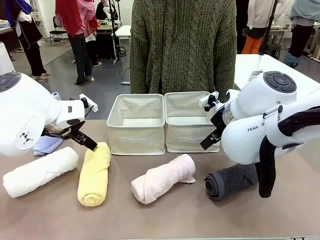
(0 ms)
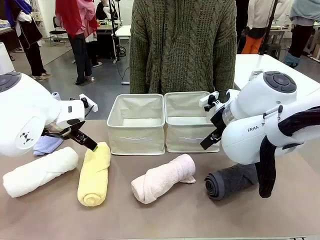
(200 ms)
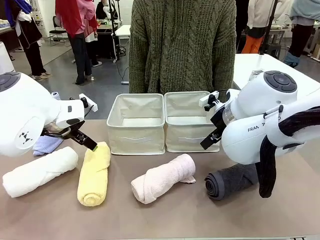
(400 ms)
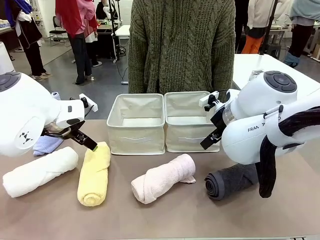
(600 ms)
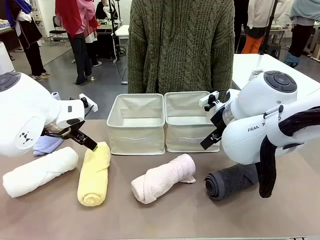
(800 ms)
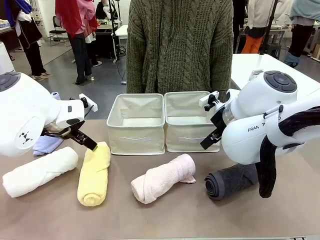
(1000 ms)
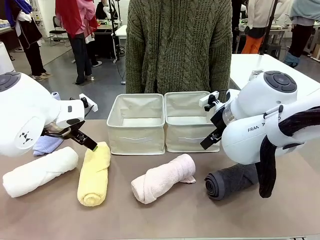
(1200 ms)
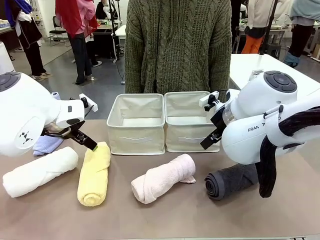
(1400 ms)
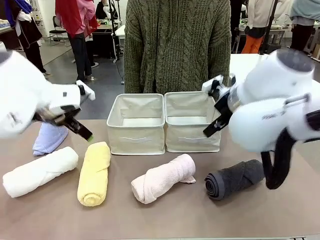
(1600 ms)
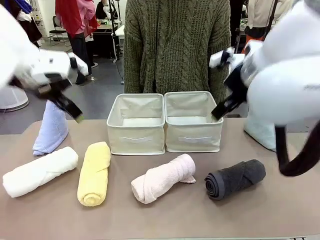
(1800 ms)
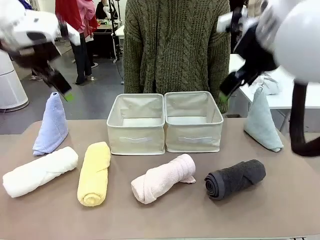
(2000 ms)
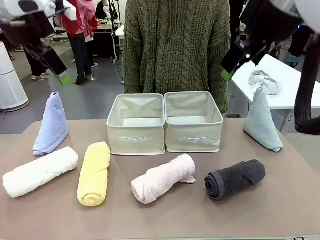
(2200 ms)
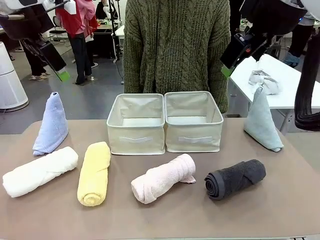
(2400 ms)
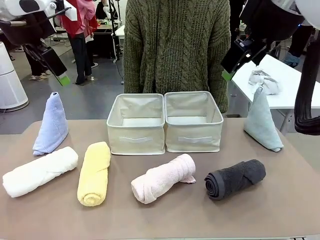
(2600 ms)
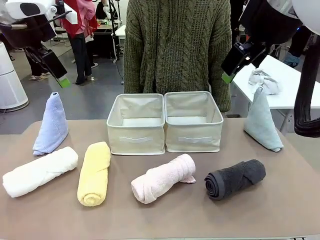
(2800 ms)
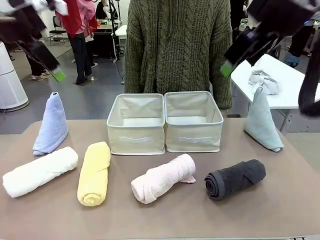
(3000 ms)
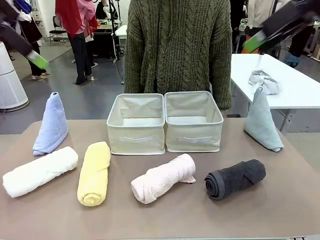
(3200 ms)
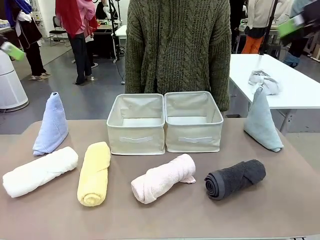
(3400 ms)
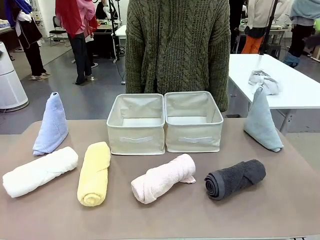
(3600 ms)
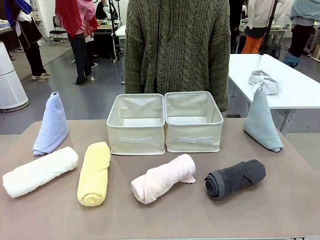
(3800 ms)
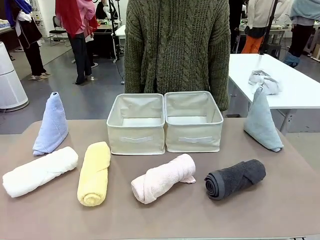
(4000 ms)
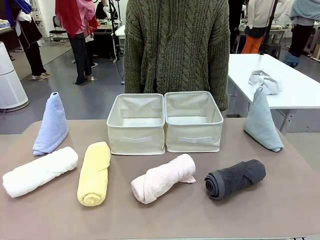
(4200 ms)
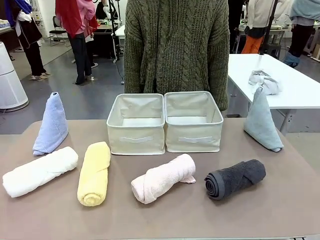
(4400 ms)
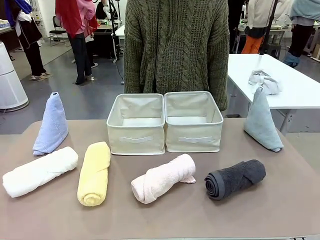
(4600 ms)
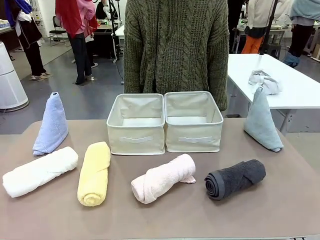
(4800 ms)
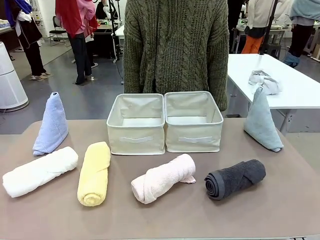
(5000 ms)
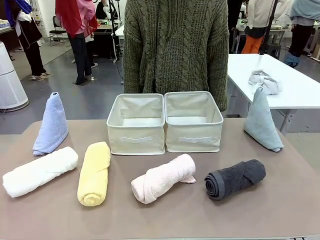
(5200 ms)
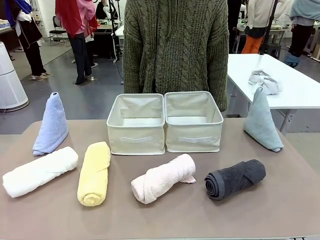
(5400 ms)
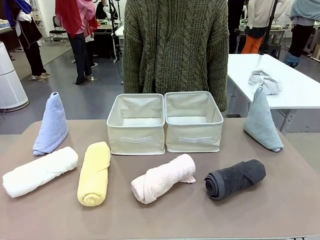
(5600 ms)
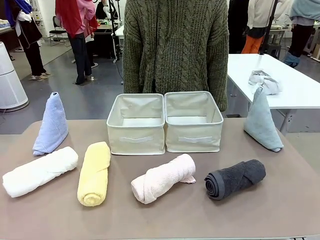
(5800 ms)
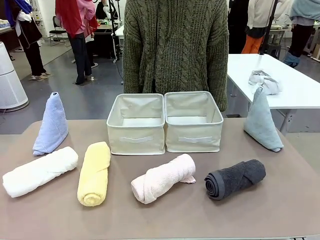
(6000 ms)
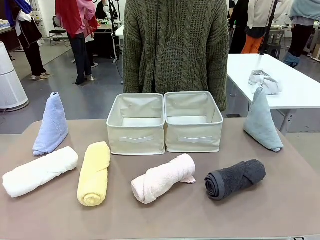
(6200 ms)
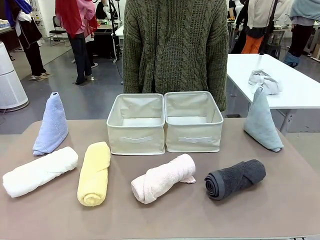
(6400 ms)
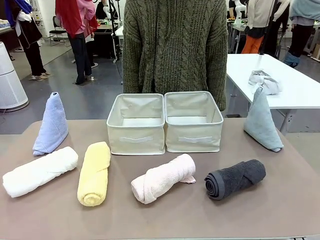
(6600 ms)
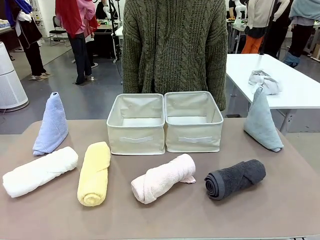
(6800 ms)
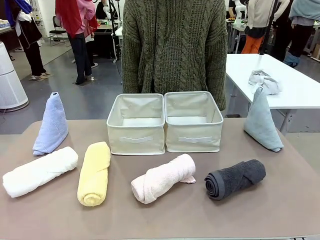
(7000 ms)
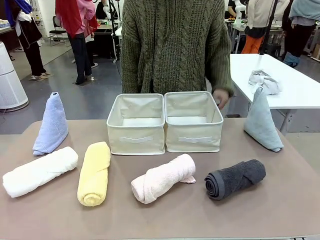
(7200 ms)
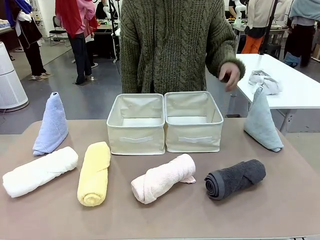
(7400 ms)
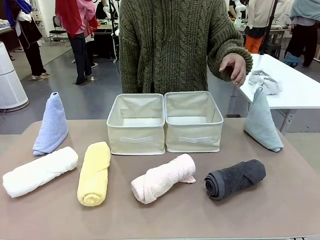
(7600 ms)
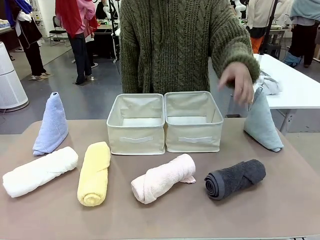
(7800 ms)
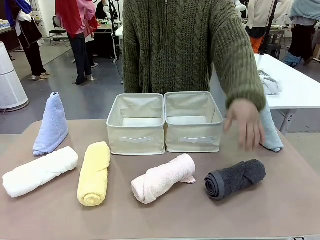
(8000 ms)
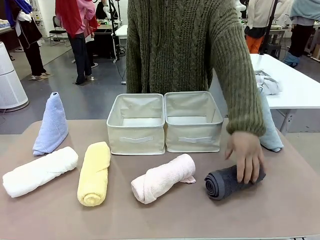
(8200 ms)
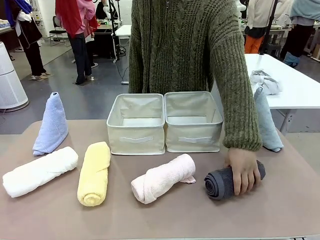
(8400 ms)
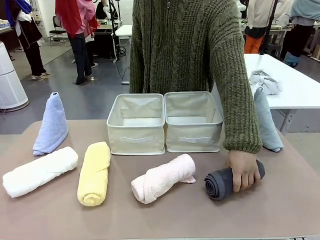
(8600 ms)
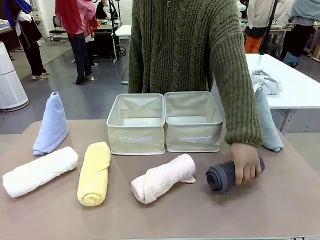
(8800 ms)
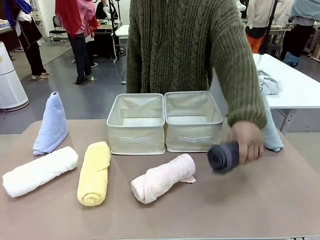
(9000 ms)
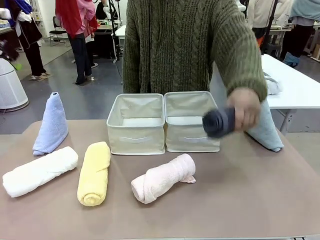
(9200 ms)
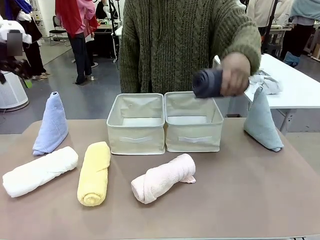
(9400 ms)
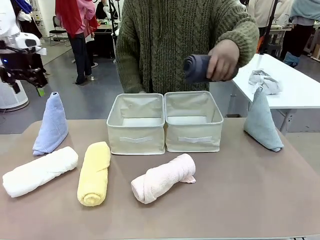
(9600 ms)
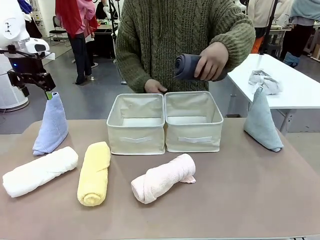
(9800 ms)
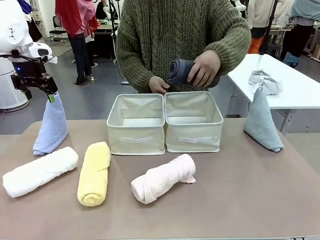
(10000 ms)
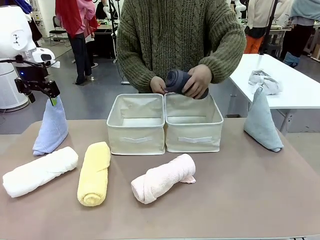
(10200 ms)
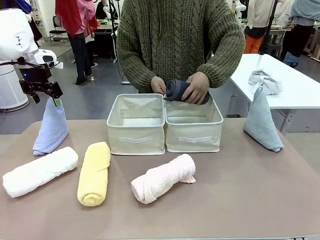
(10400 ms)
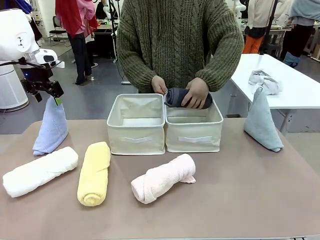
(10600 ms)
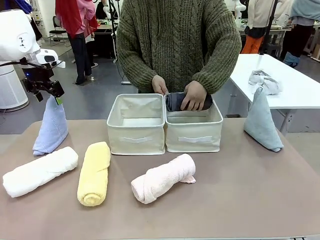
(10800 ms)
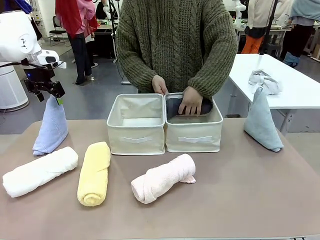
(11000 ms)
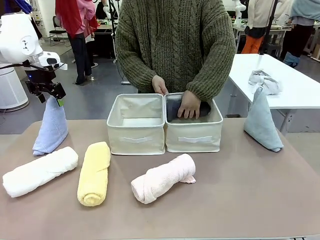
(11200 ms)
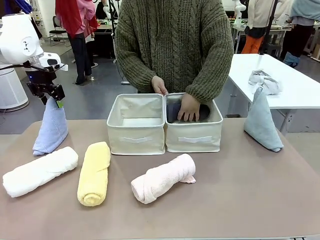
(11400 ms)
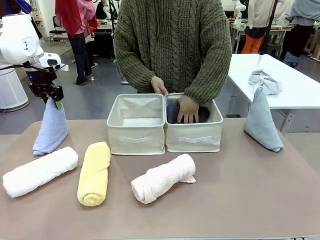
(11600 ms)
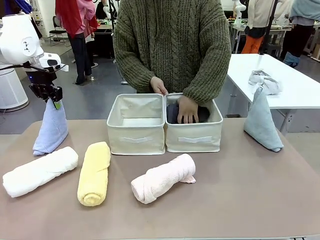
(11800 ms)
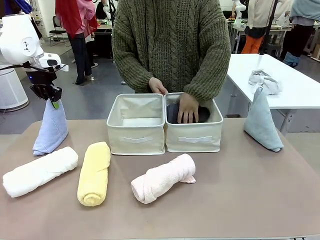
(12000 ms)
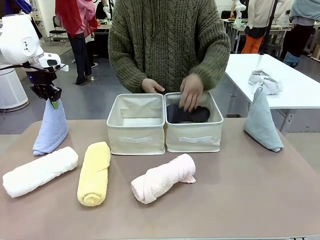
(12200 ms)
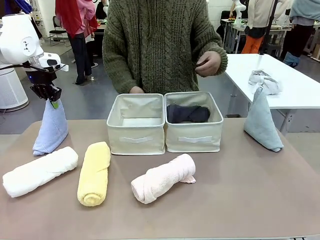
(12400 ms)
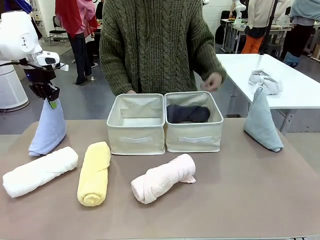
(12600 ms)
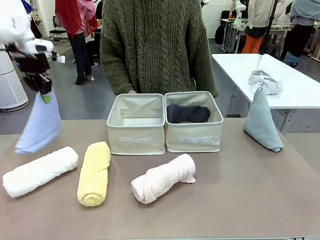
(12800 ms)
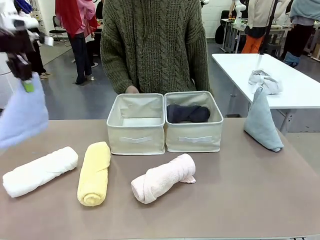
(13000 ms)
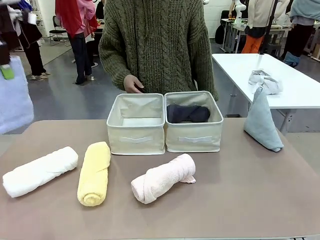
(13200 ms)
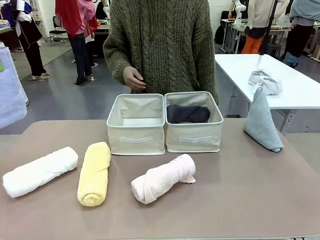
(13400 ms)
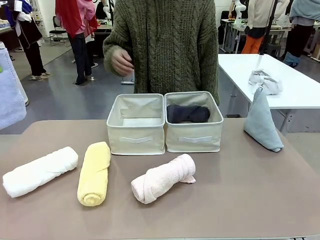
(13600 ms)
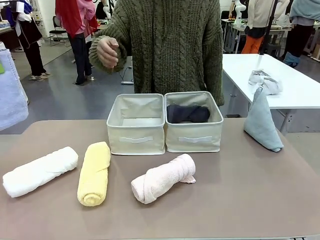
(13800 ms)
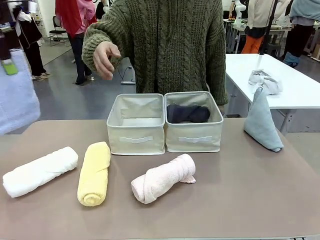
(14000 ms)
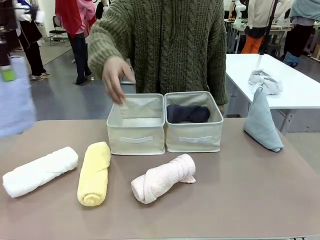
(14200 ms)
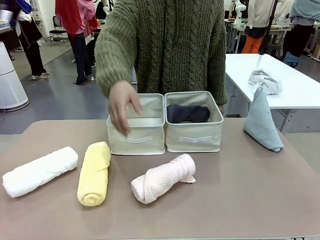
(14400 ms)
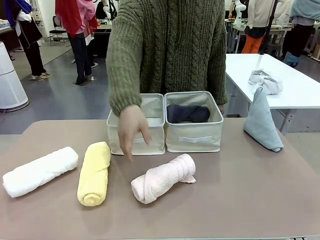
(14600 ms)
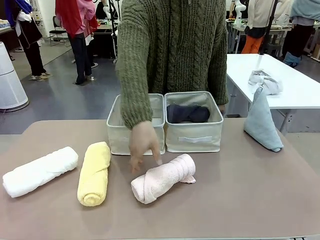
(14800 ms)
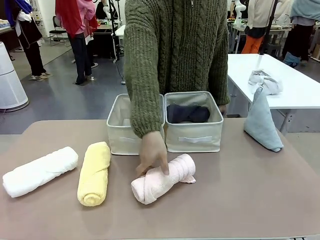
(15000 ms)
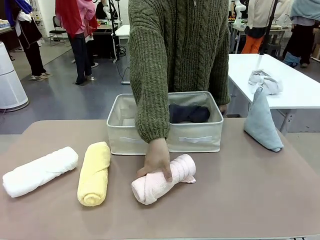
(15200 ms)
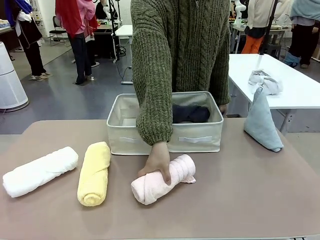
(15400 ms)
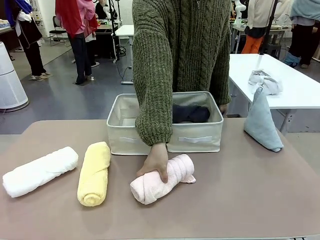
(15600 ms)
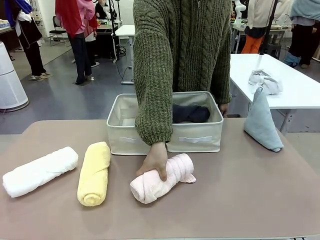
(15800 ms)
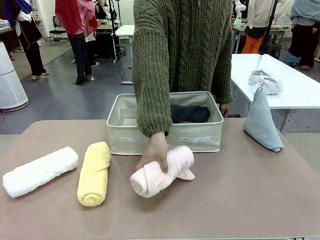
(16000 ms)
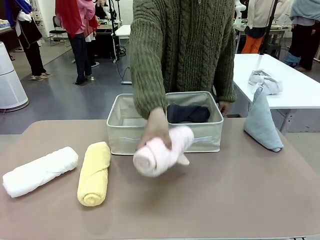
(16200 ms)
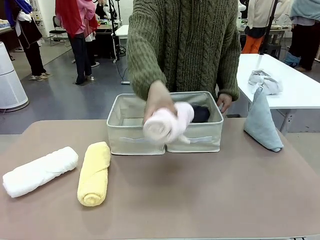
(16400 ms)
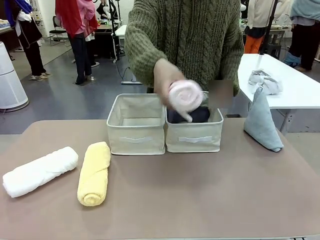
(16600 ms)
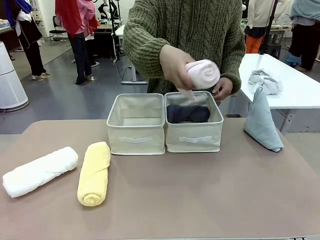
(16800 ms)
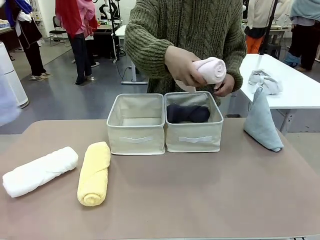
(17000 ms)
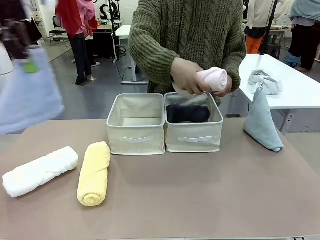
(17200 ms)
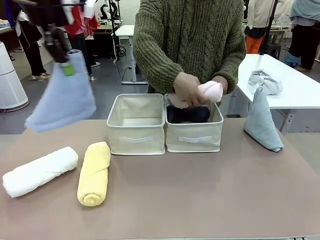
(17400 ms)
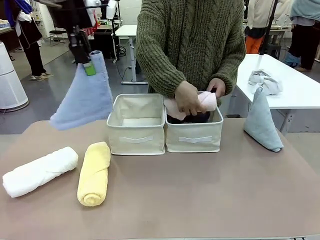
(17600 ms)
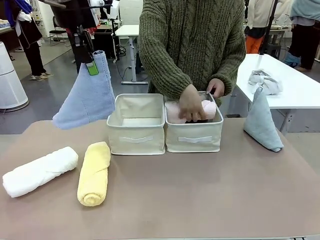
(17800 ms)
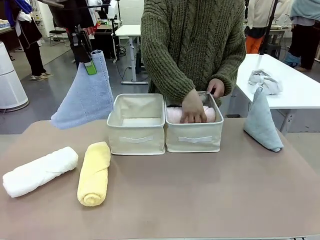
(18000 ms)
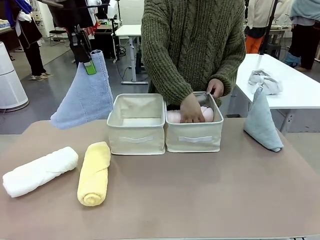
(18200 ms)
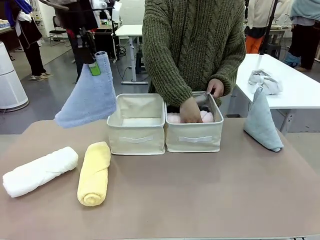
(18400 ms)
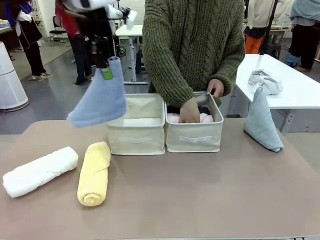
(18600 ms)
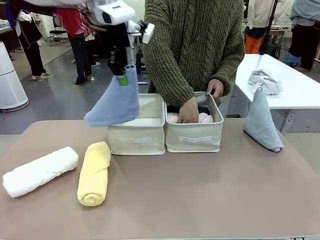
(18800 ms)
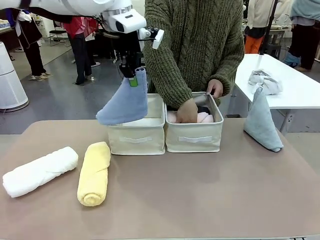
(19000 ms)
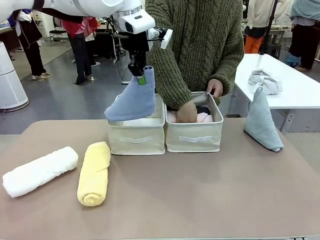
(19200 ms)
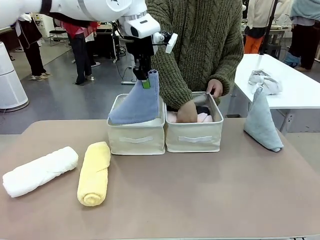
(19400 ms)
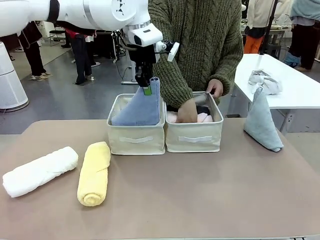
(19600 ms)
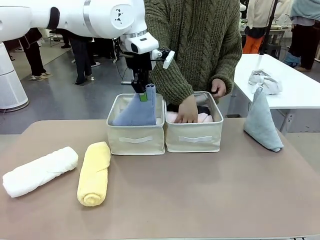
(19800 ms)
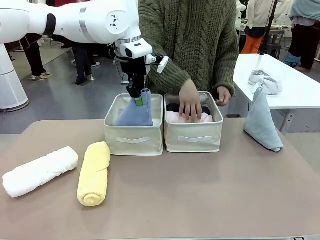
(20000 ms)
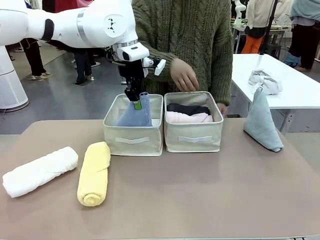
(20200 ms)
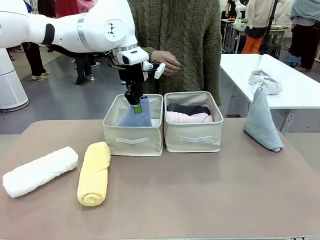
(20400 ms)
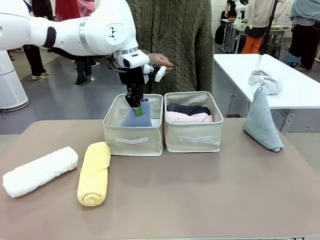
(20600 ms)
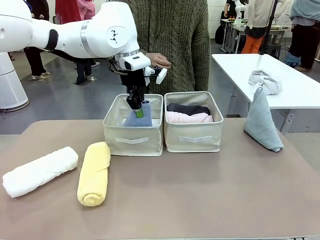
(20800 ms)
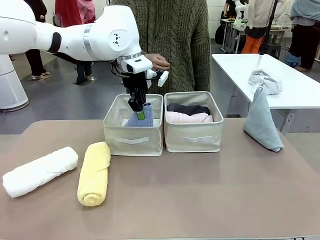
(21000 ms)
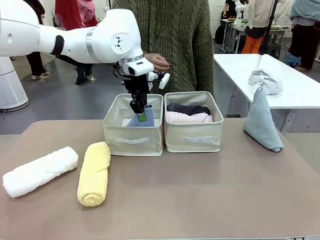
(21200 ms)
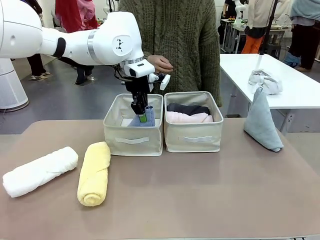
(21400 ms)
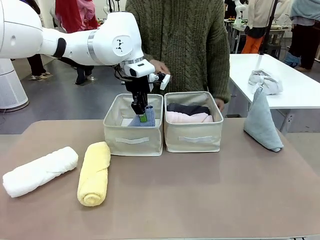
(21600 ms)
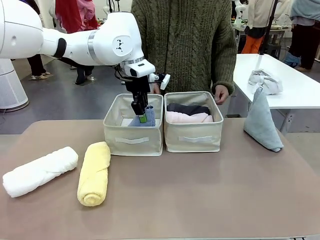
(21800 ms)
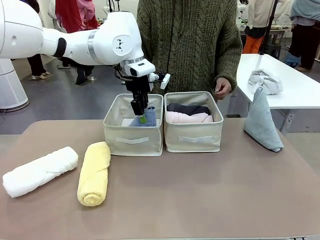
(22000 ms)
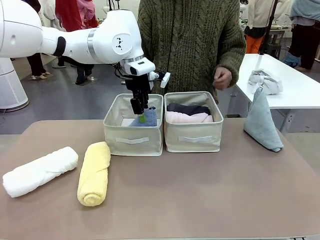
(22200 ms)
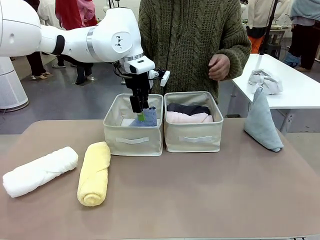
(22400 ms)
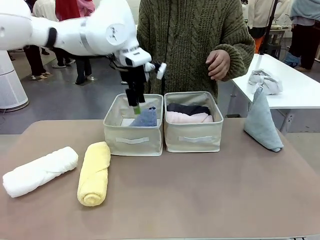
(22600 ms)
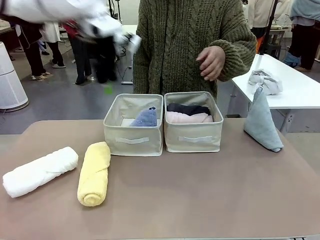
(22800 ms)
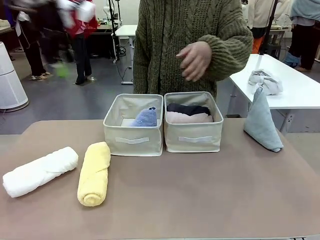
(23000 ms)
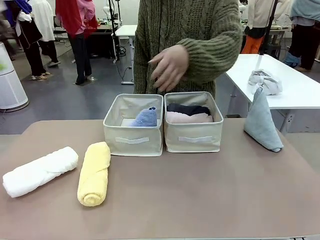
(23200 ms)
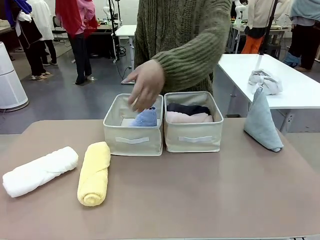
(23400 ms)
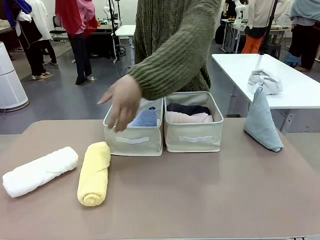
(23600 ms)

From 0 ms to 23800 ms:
Task: Sort the towels based on their folding style.
Robot: Pick up one triangle-folded towel and place it in the left Fabric basket.
Person: Pick up one hotel-style rolled towel and place it in the left fabric basket.
